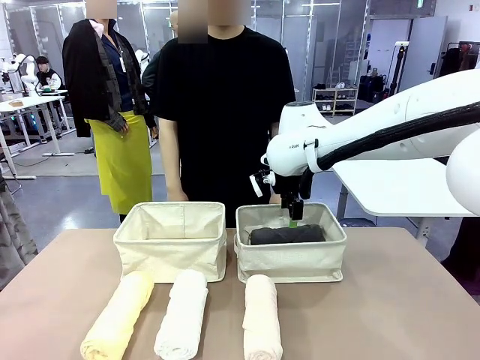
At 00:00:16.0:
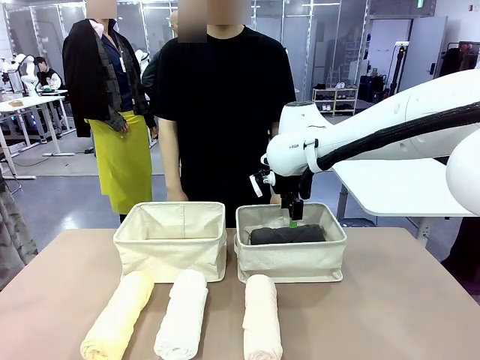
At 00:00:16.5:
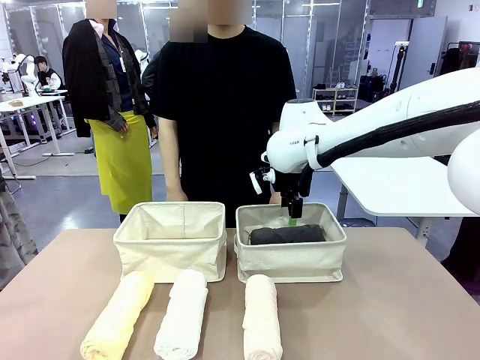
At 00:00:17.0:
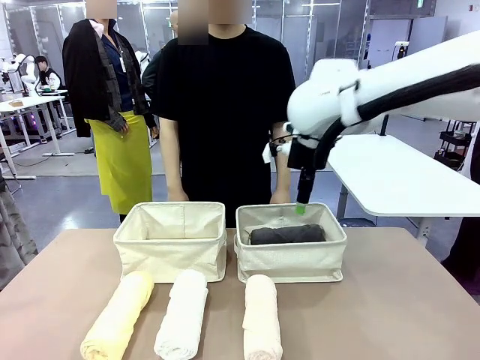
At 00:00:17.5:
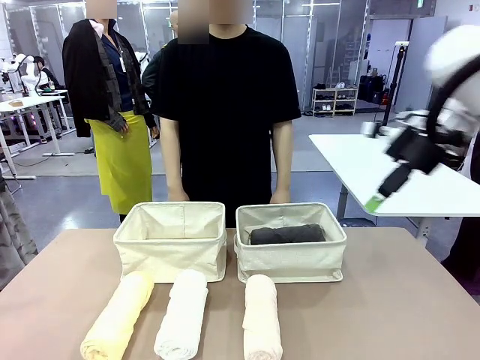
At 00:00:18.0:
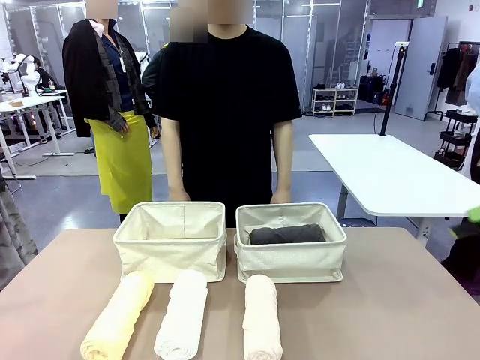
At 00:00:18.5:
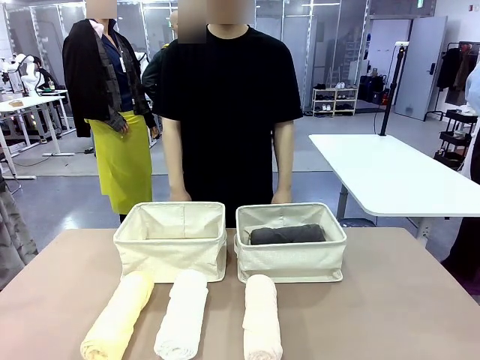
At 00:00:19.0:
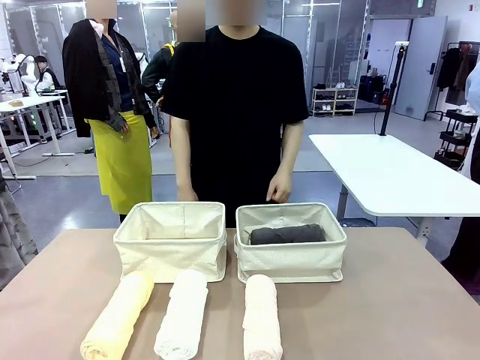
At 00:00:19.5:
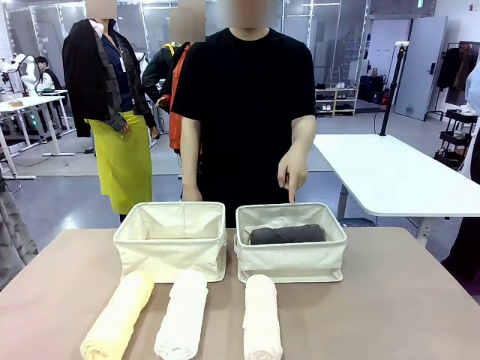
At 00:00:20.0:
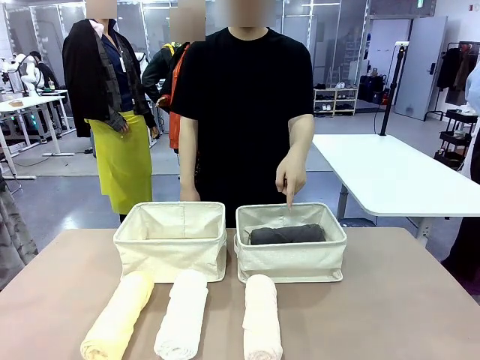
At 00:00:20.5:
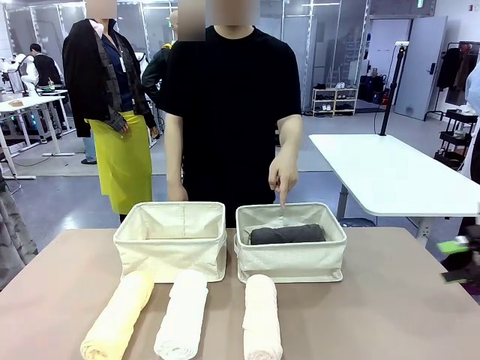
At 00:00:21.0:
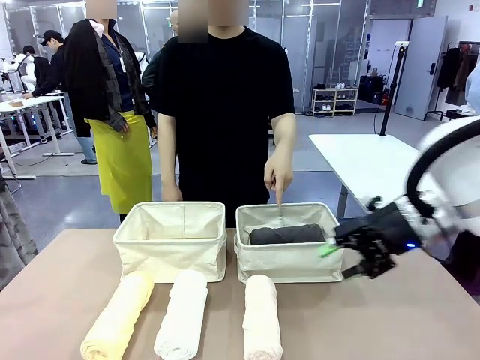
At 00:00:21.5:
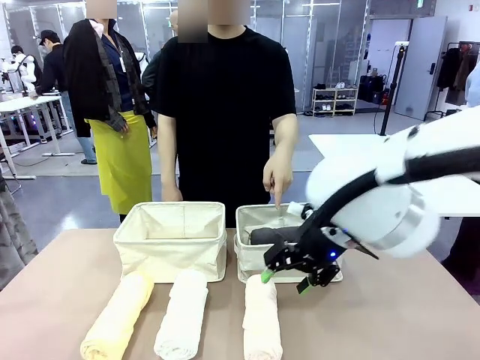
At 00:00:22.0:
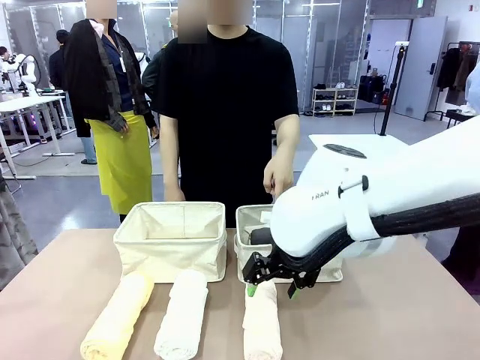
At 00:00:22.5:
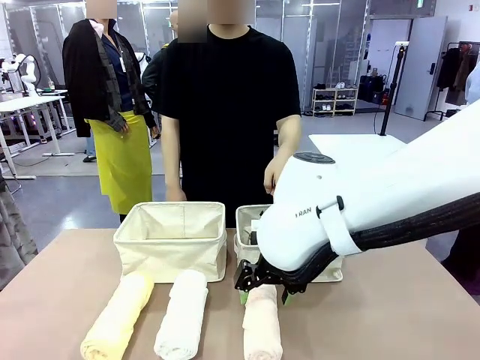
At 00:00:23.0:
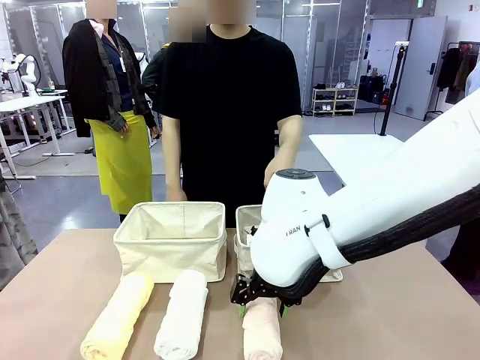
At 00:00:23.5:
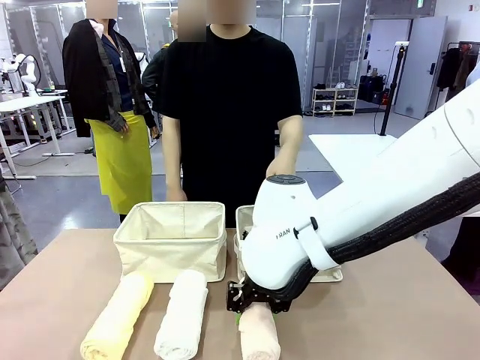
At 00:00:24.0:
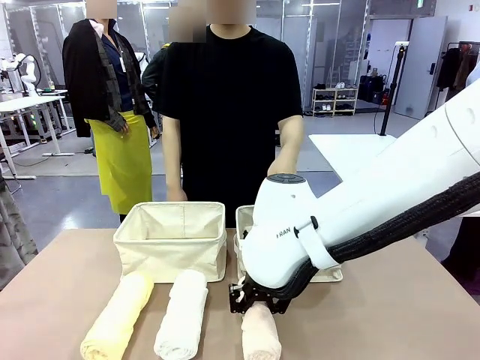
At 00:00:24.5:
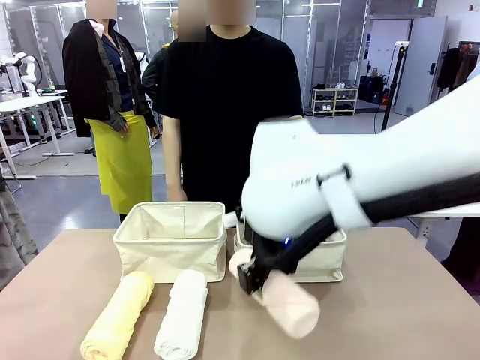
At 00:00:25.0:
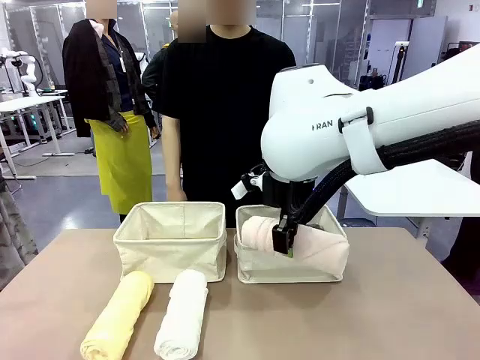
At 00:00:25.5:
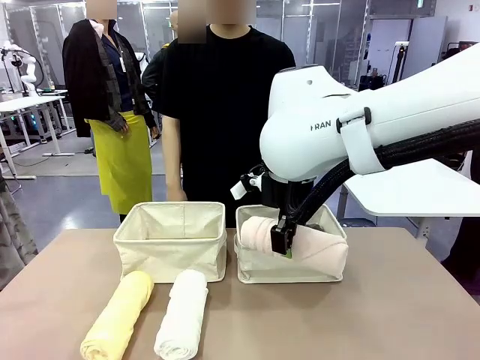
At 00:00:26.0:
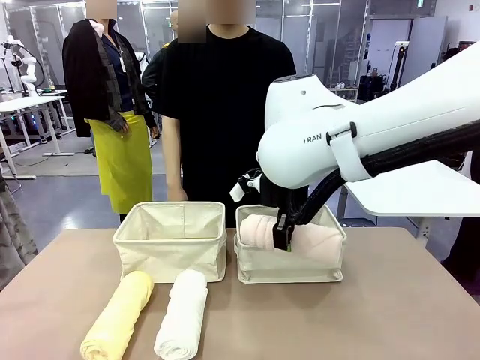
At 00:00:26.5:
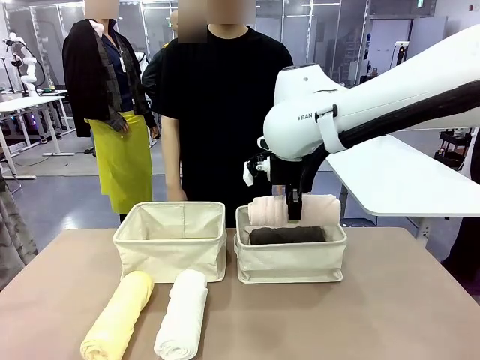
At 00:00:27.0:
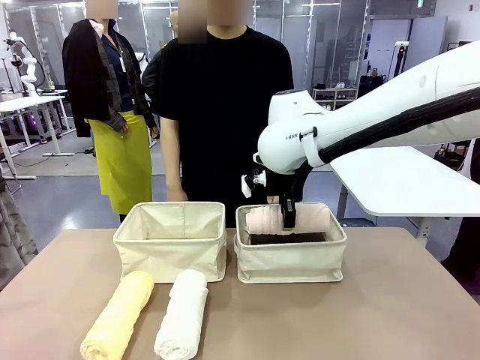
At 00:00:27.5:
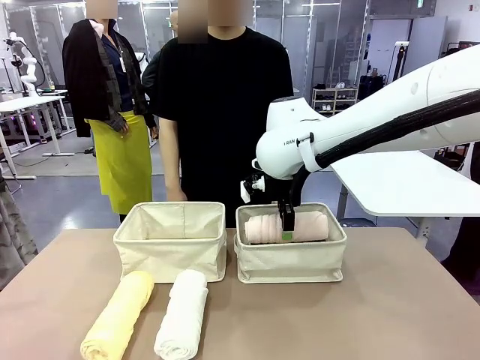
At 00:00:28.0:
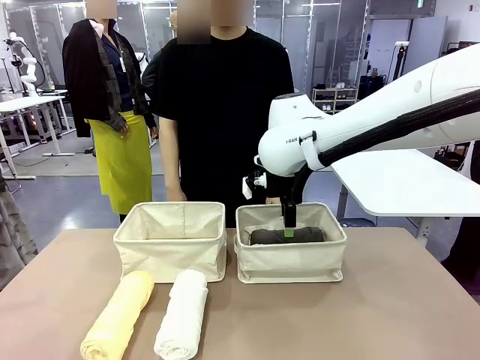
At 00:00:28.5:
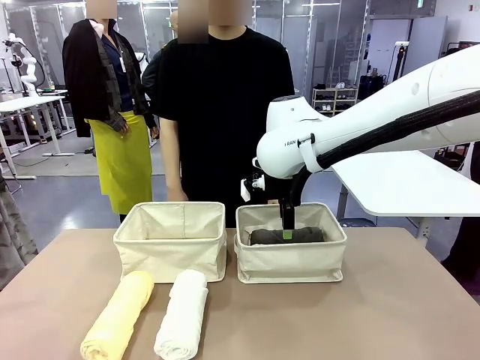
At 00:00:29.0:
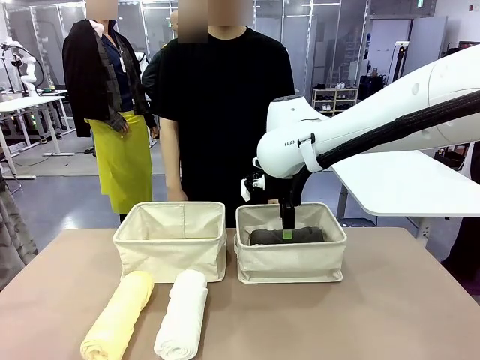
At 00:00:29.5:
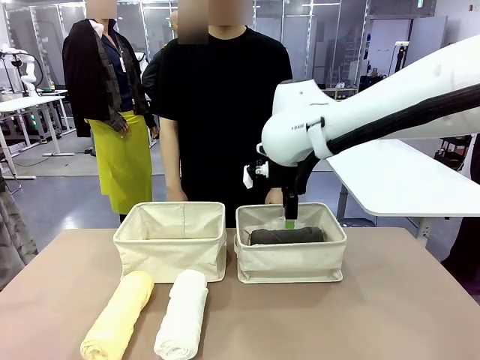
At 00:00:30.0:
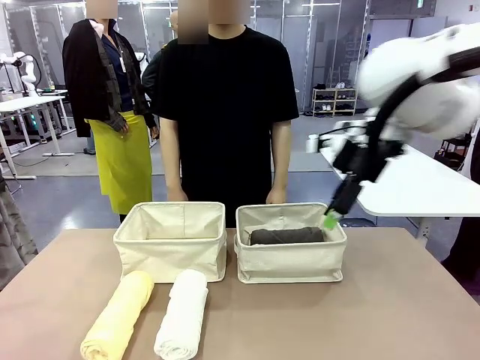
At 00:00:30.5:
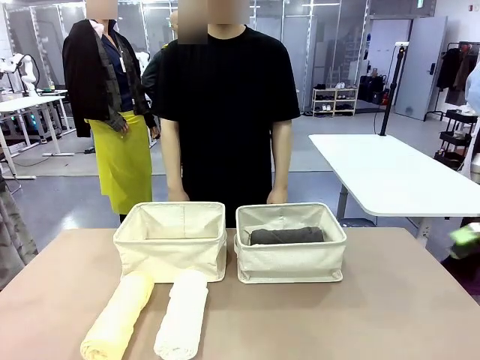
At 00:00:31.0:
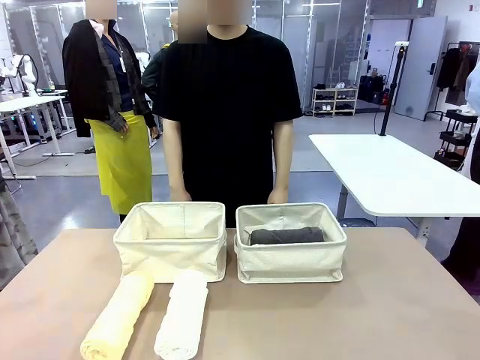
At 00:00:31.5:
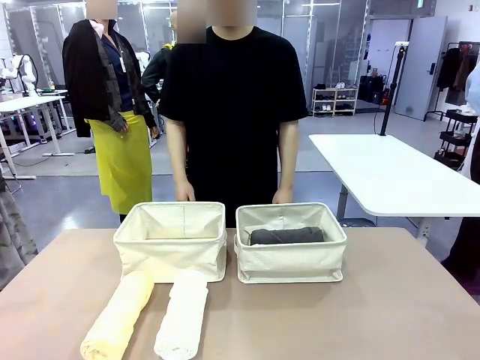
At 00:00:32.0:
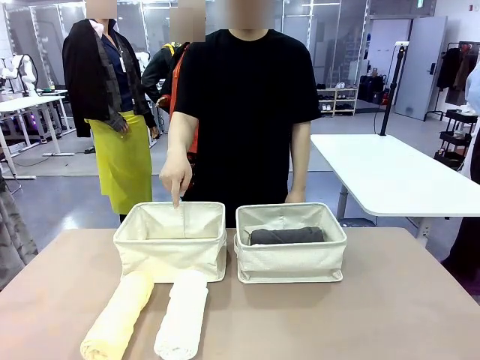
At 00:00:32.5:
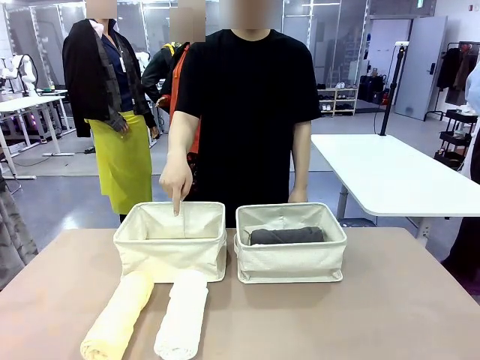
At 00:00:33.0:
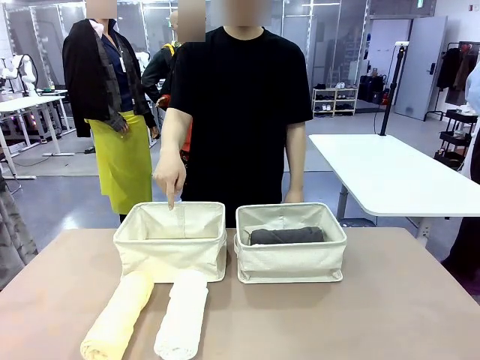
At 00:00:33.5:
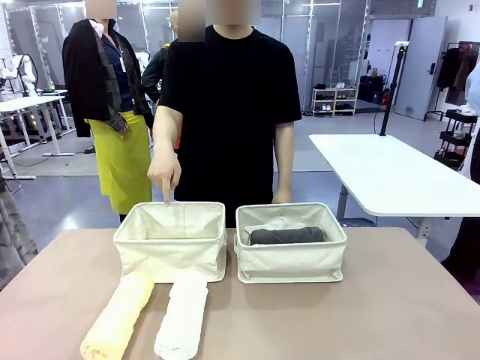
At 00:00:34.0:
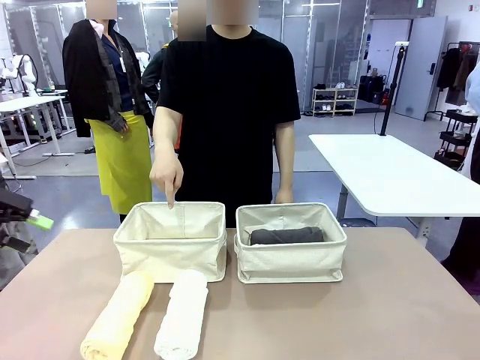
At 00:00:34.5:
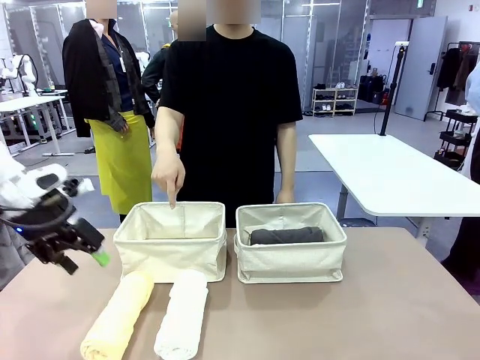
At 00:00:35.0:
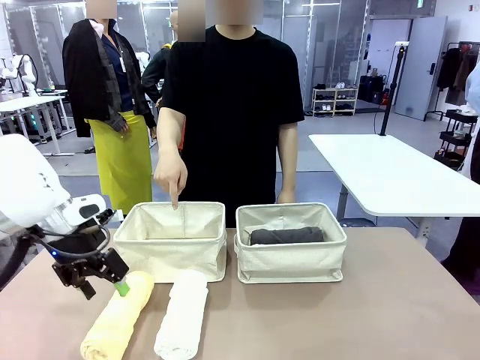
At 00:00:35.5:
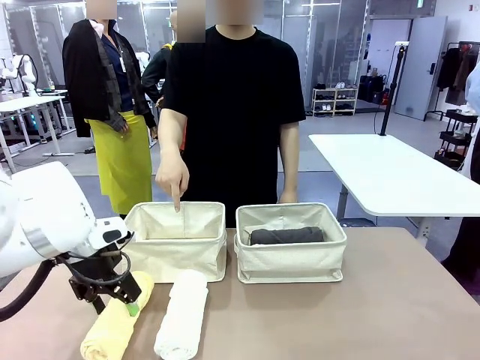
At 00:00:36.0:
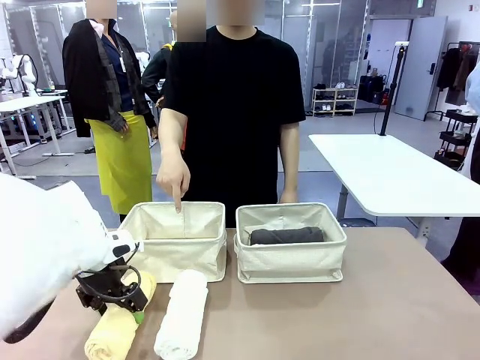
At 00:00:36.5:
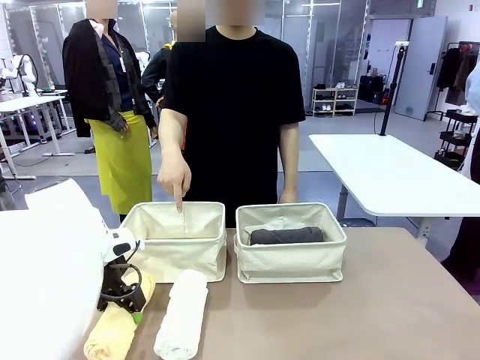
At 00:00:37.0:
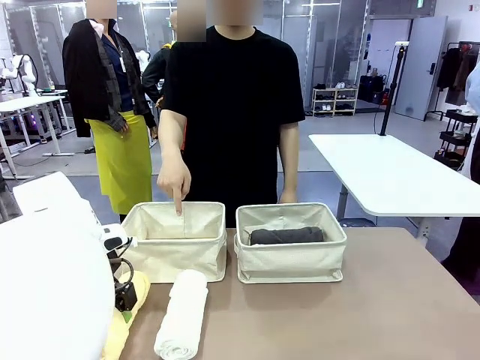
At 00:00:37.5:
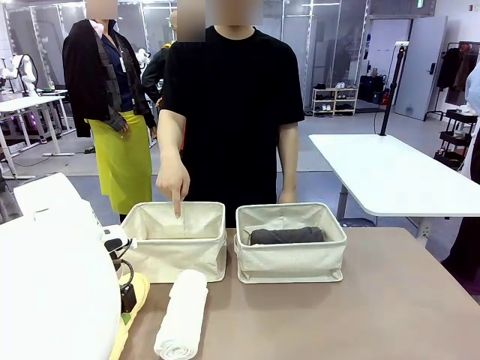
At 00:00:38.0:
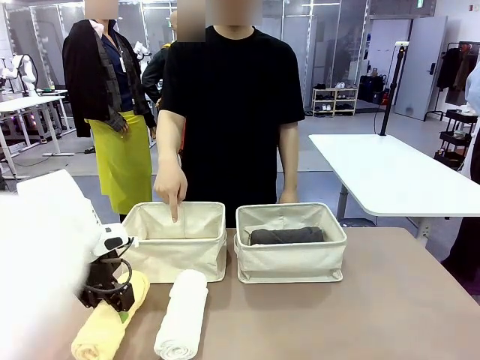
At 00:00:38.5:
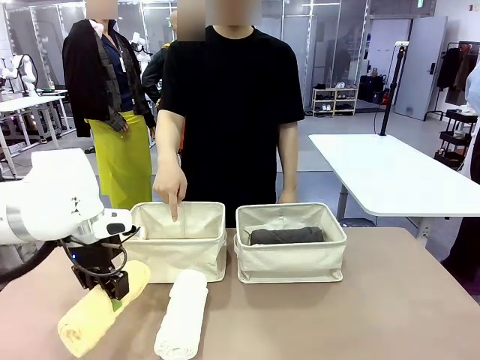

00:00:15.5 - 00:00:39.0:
Task: Divide the towels into two baskets.
Robot: Pick up one hotel-folded towel from the bottom of the table and place it in the Fabric basket indicated by the person.
